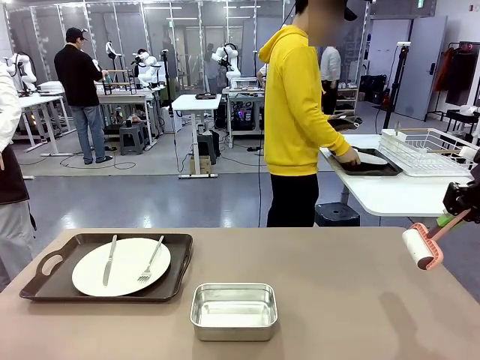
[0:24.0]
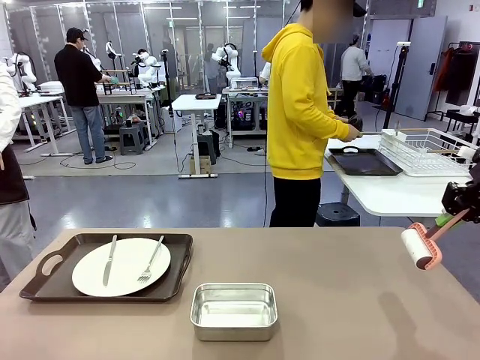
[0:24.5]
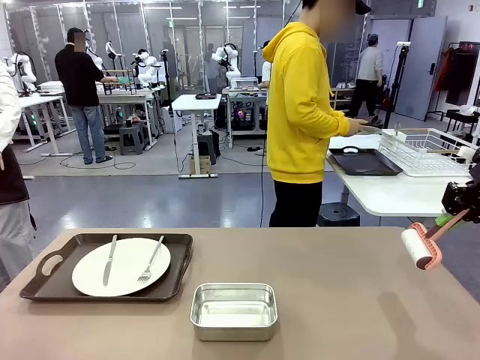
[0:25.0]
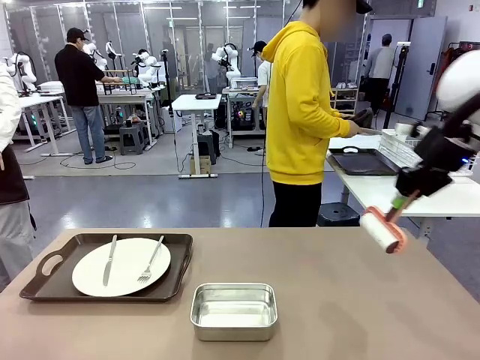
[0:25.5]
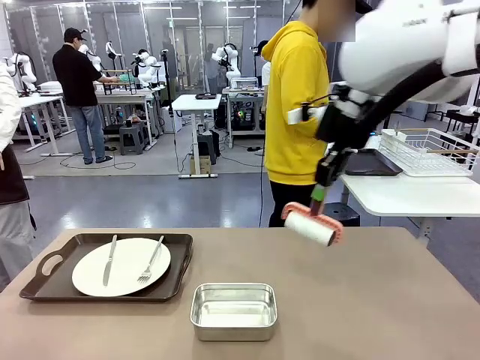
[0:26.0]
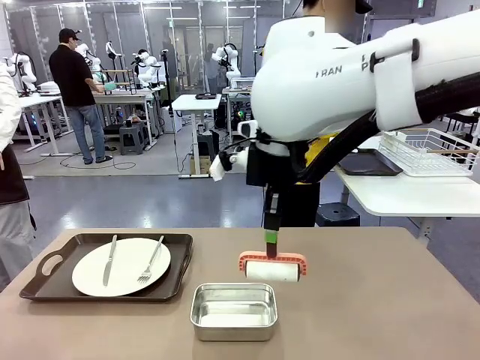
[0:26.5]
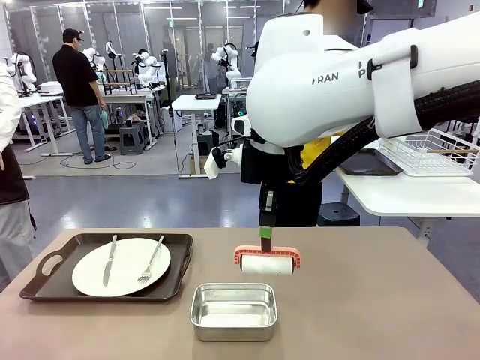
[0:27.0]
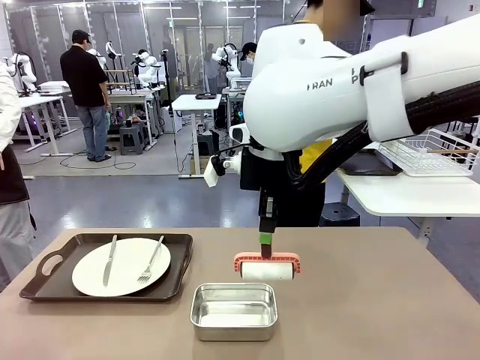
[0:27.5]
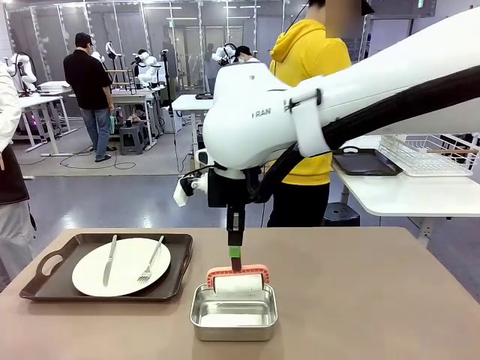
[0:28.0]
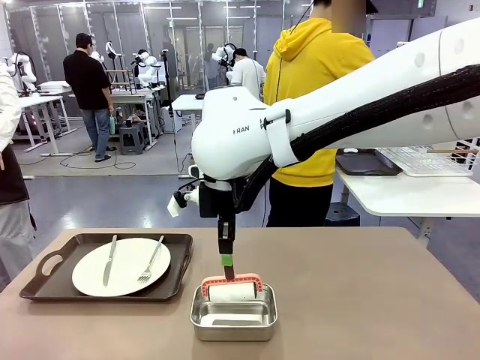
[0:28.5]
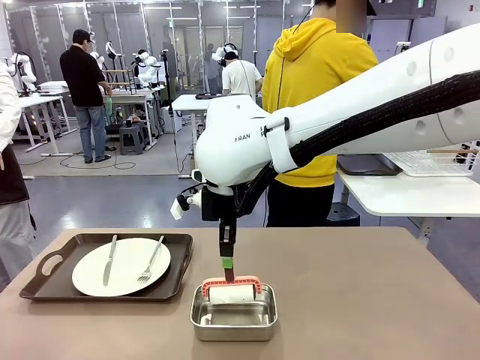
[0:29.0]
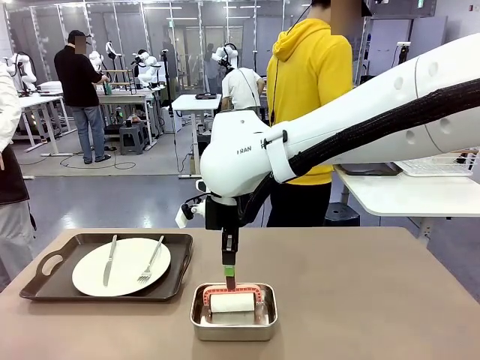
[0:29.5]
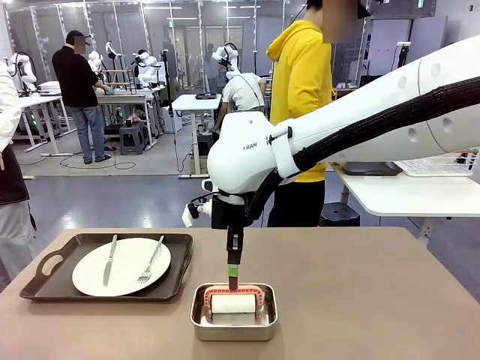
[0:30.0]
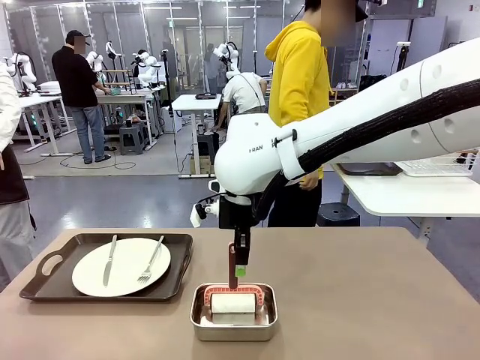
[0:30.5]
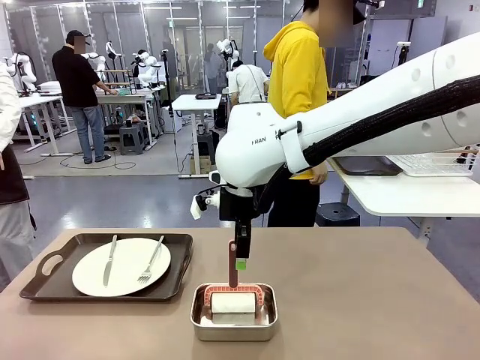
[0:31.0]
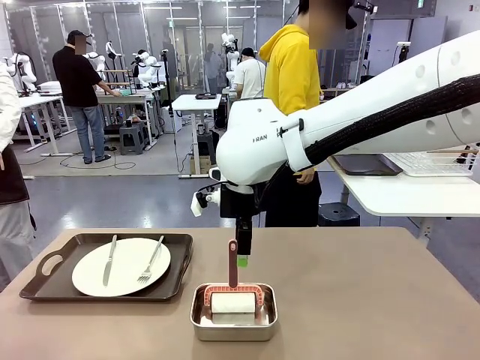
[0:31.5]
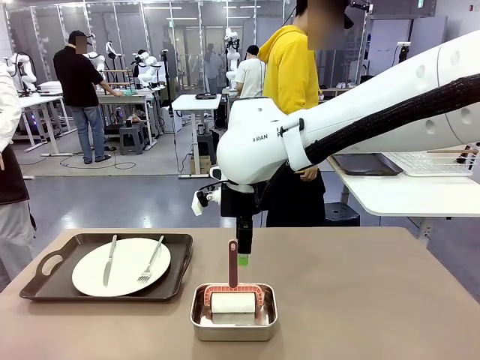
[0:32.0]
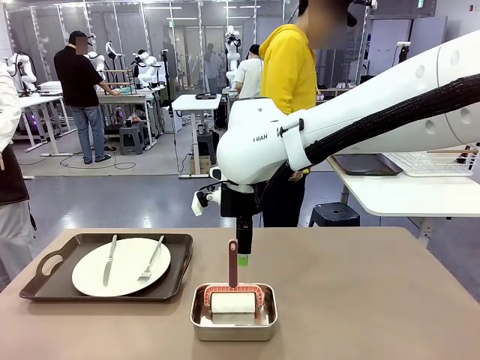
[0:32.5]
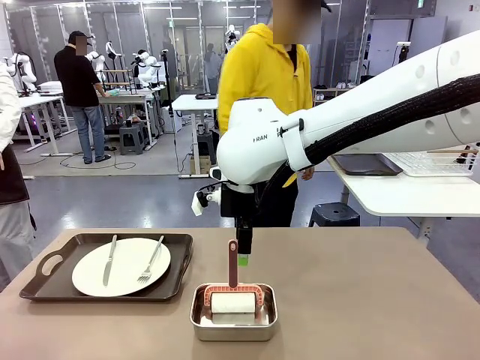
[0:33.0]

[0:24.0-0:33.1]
Robot: Place the Lint Roller back on top of the Airtight Container.

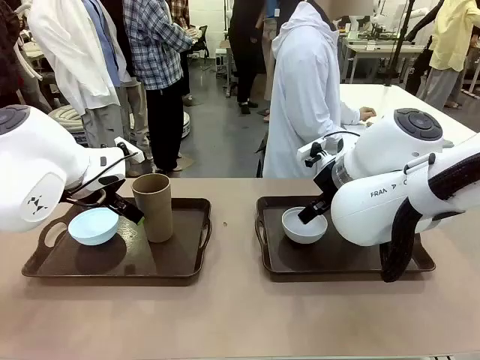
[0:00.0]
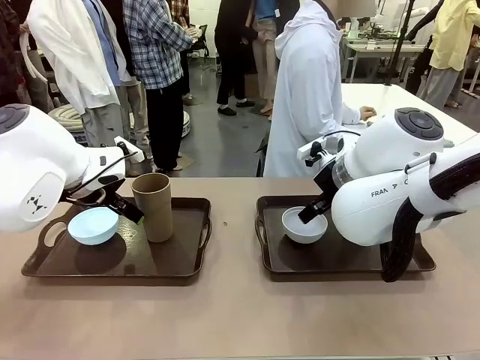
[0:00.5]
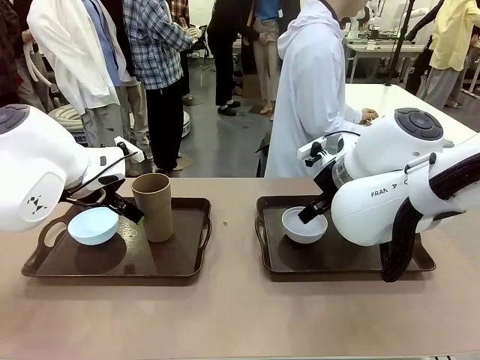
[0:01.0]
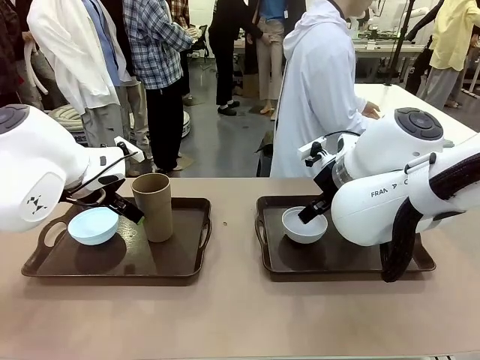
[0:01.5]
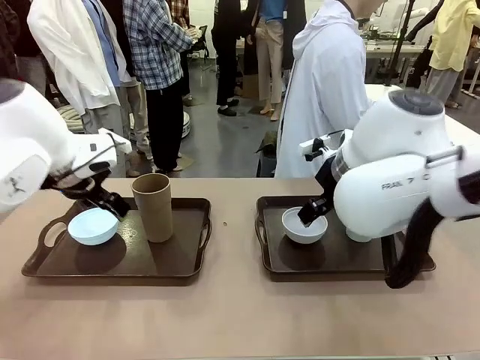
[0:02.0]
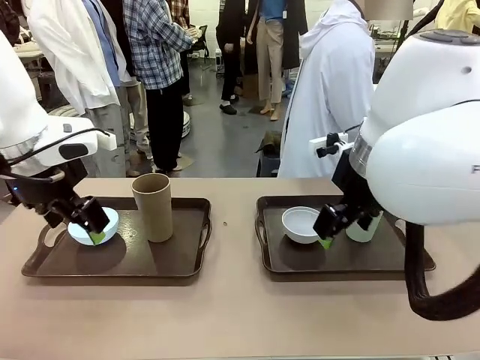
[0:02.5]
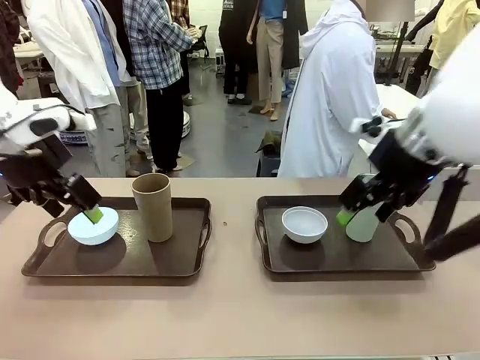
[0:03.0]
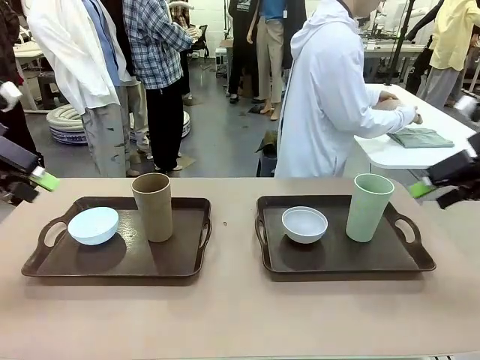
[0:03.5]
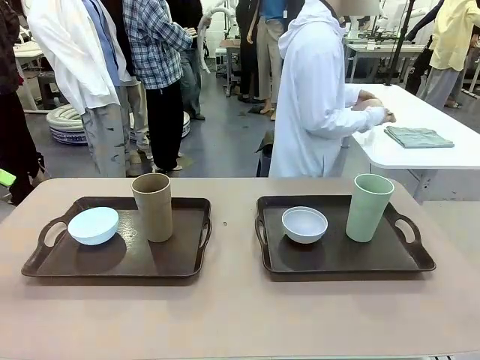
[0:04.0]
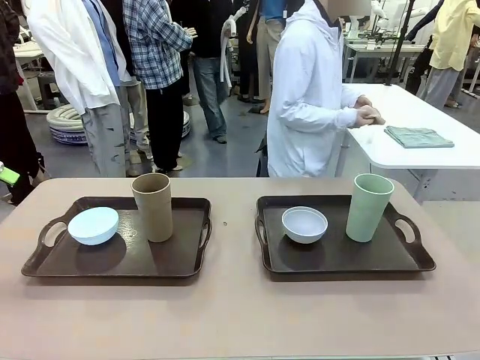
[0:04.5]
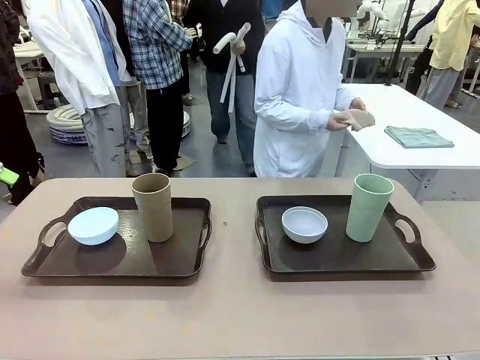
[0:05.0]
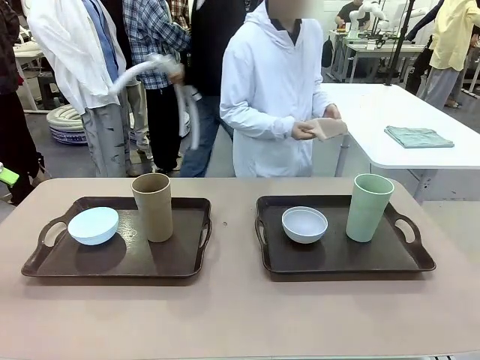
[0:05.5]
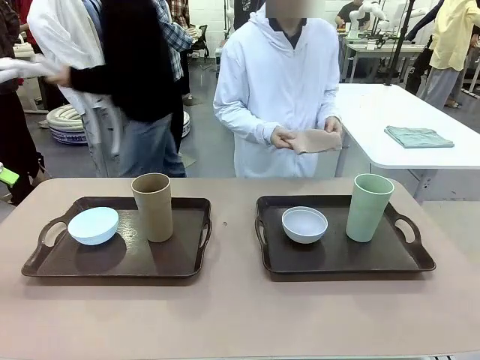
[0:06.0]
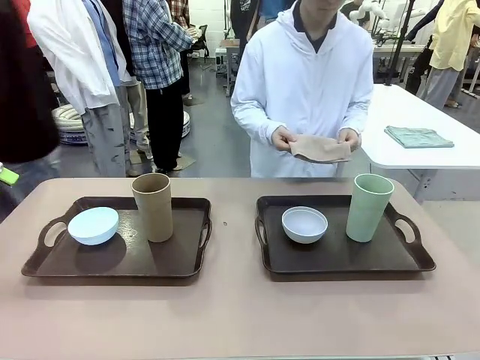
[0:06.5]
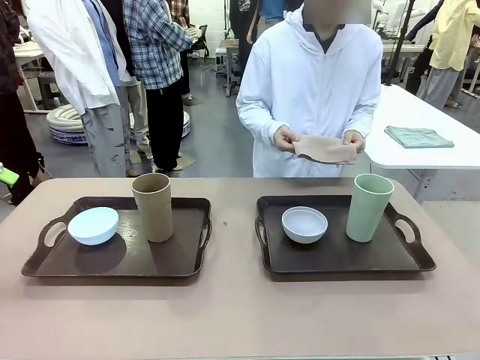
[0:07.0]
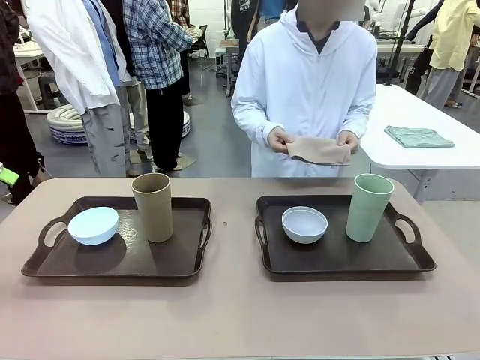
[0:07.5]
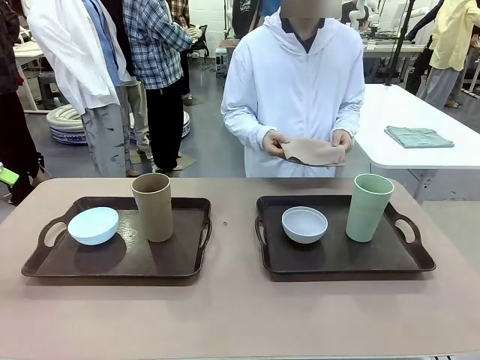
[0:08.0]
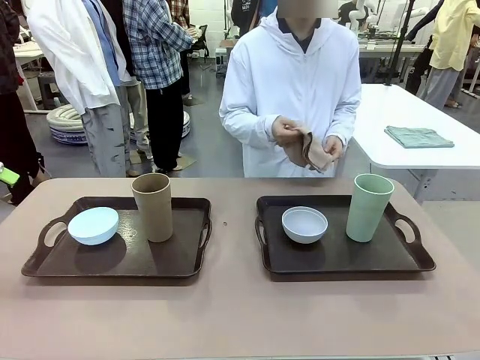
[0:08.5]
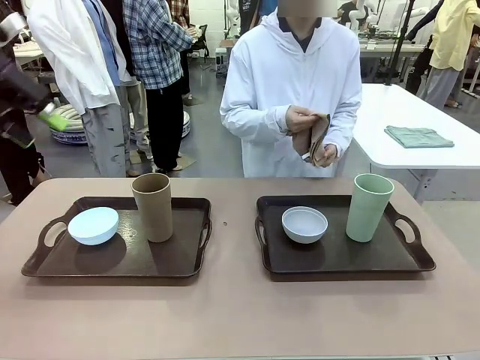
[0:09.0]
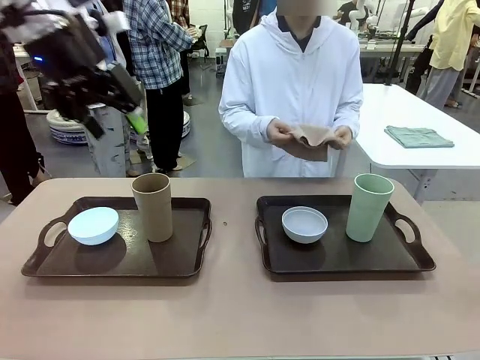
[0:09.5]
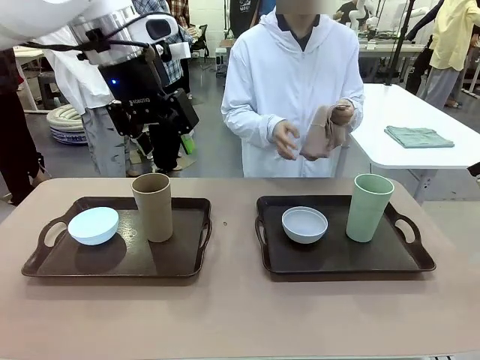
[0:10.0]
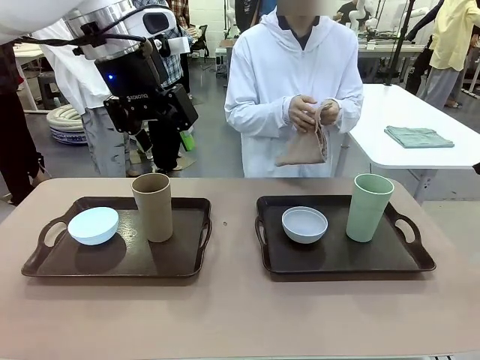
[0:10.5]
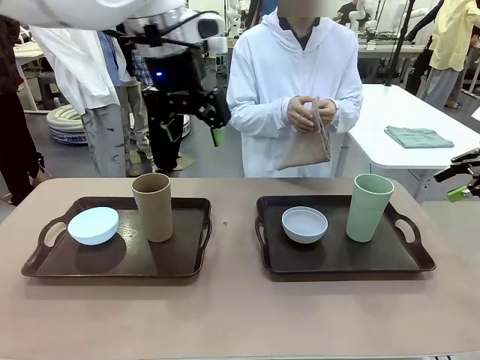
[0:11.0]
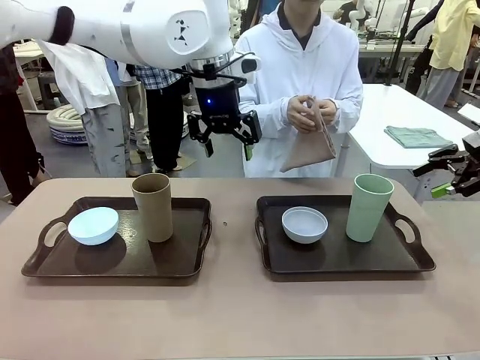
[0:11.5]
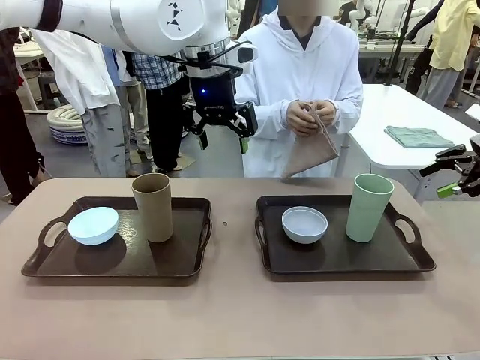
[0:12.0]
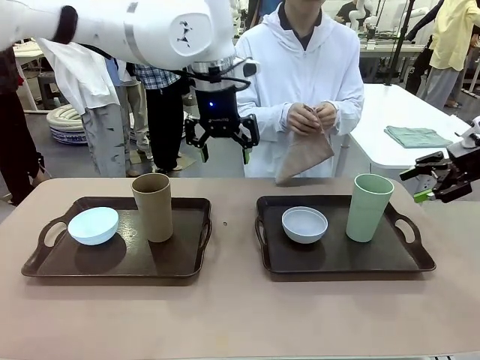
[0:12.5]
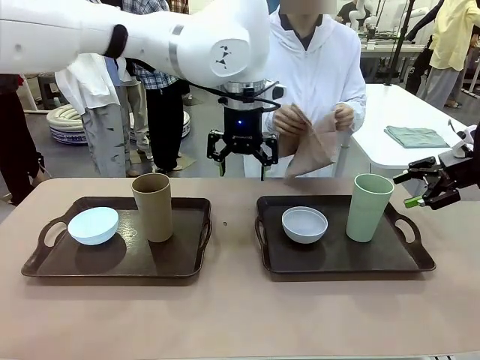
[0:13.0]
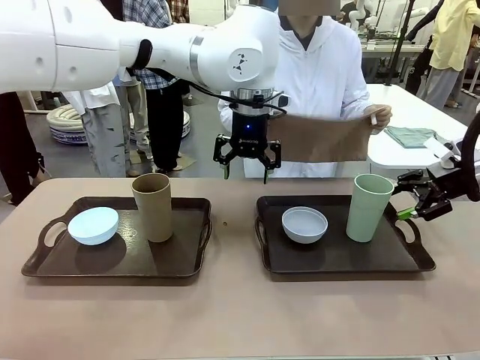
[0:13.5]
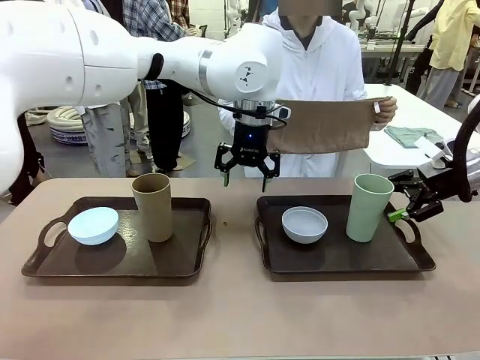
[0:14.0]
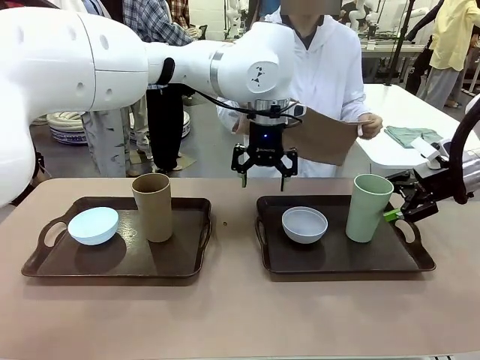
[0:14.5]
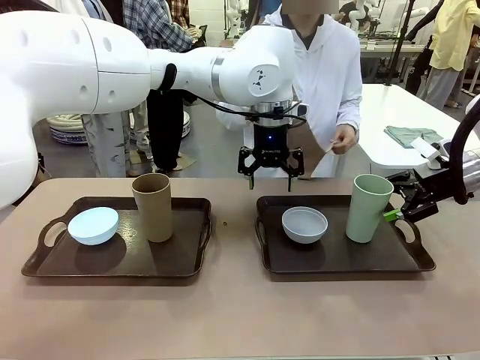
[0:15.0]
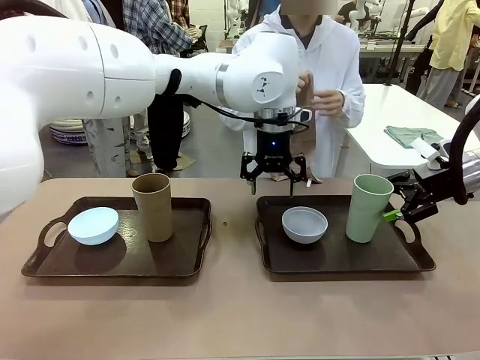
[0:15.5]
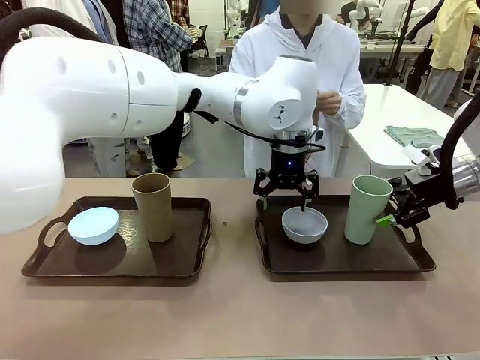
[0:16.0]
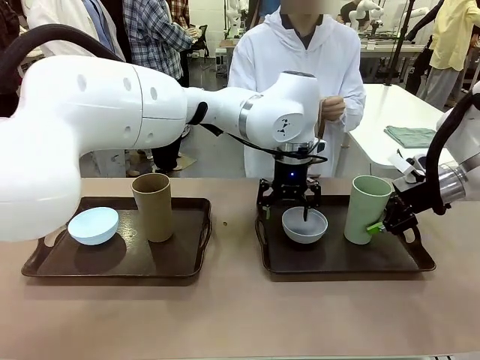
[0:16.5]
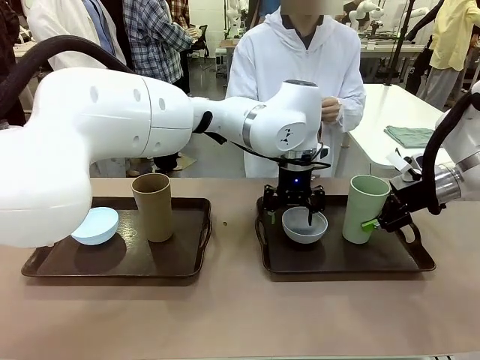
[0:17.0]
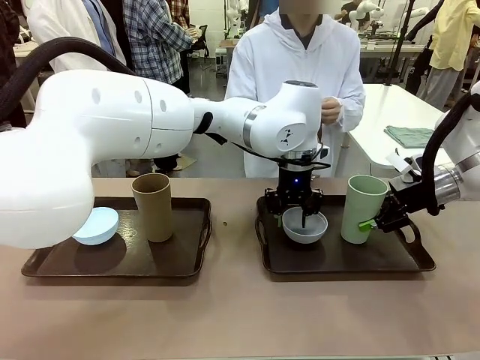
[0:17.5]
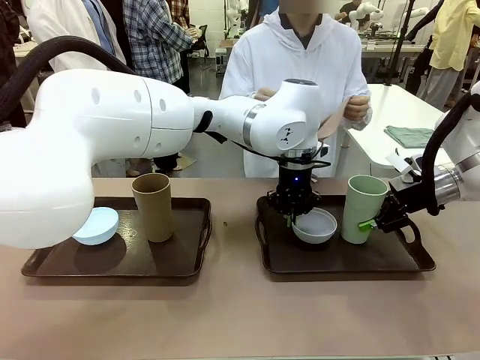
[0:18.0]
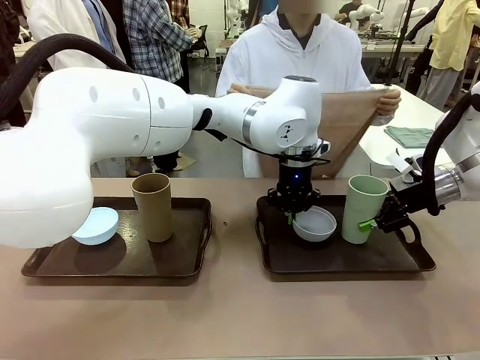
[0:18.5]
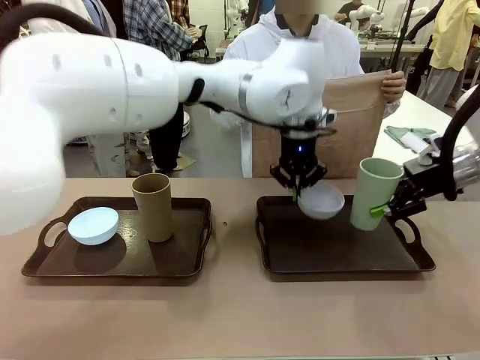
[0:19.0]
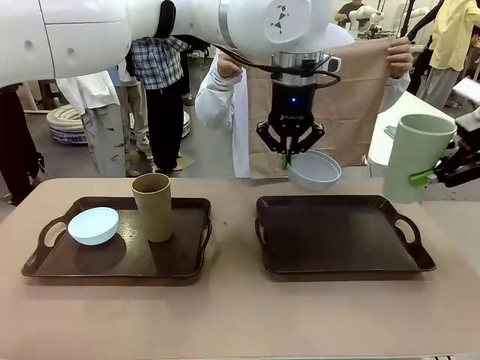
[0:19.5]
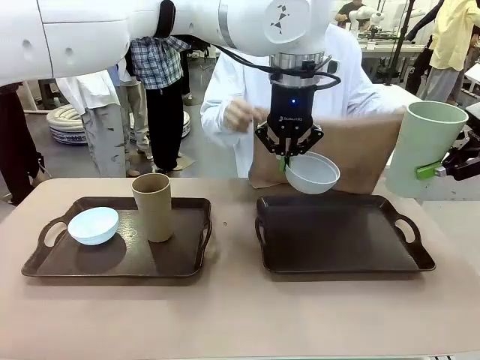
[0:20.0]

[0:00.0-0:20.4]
Robot: Pick up the Picnic Bowl and Reusable plastic cup from the Handle tray in front of the human's position and hold them in the air.
Person: The human picks up the top napkin from the stack on the human table and walks to the robot table to stand in front of one of the two trays. When the robot lifts the bowl and the cup, the human unfolds the napkin and lays the napkin flat on the tray.
